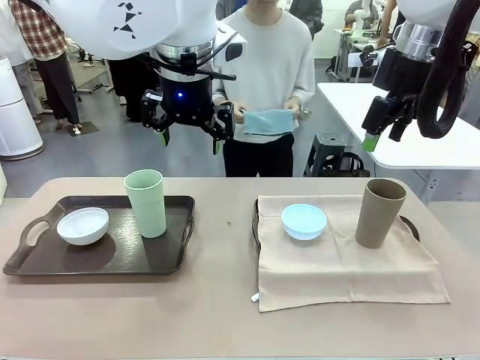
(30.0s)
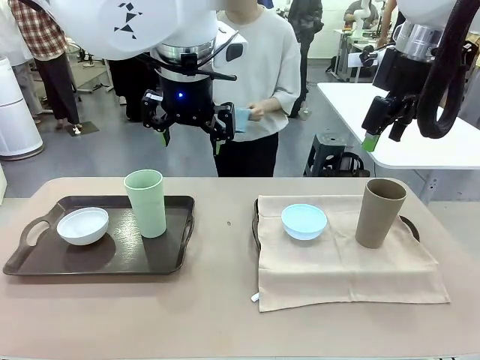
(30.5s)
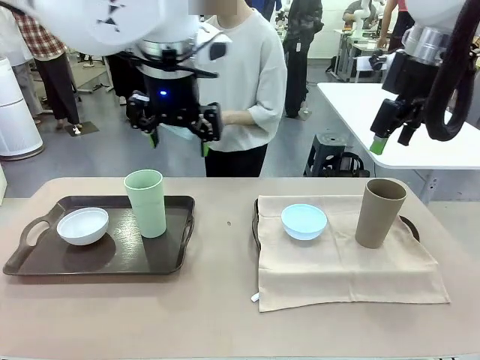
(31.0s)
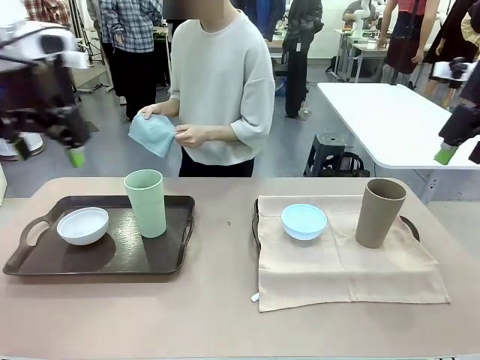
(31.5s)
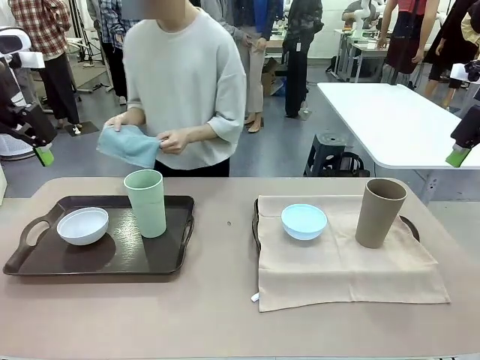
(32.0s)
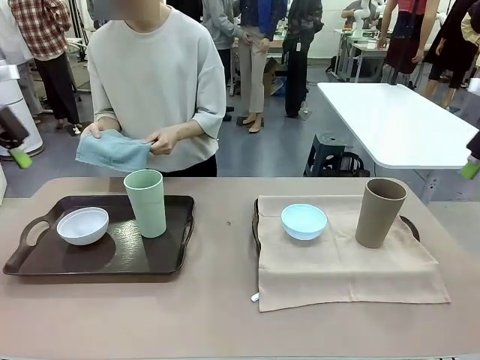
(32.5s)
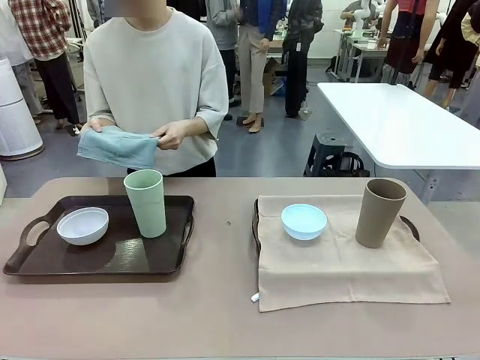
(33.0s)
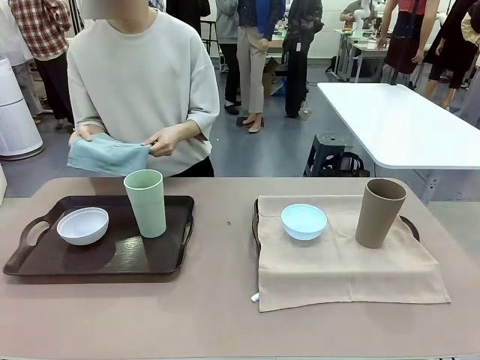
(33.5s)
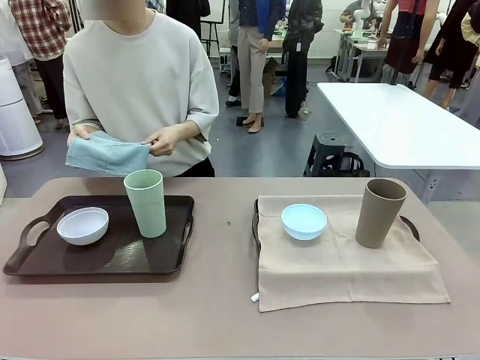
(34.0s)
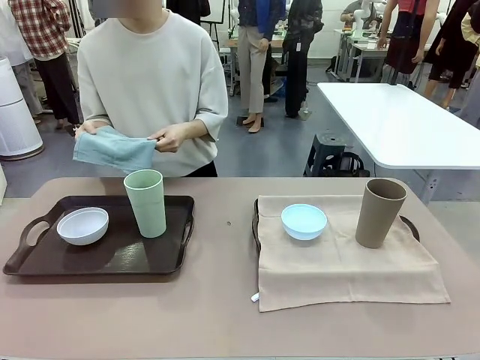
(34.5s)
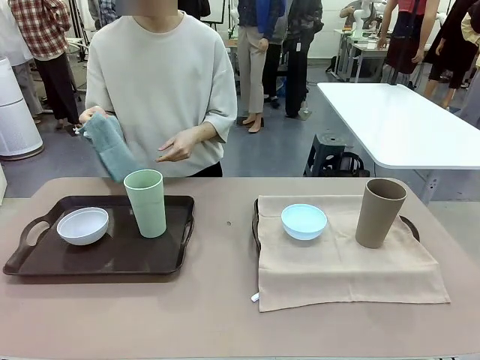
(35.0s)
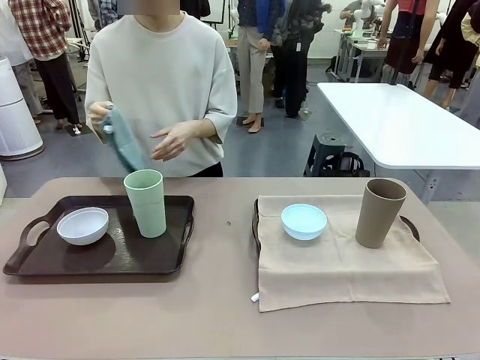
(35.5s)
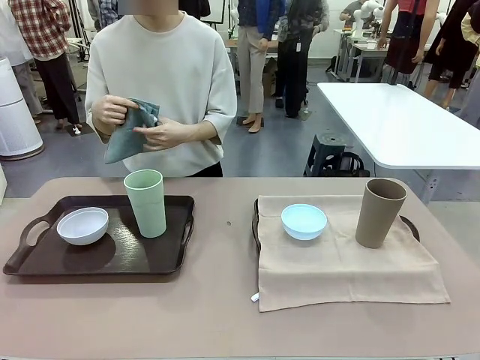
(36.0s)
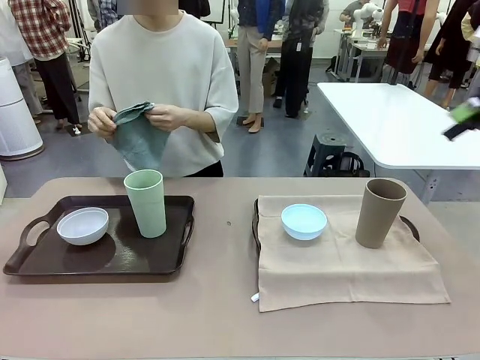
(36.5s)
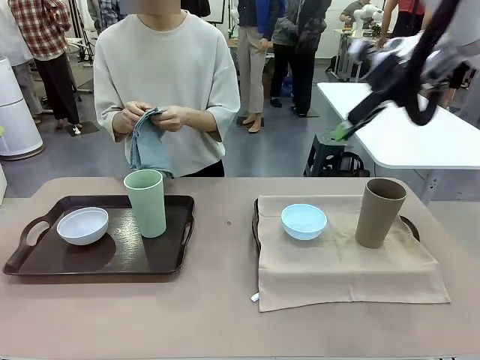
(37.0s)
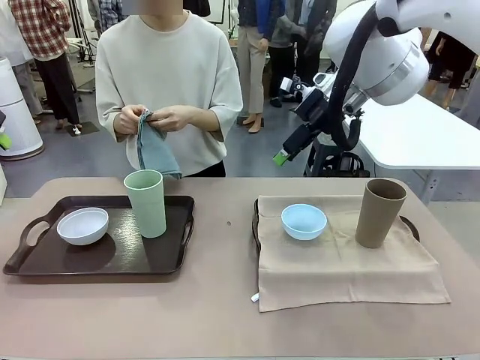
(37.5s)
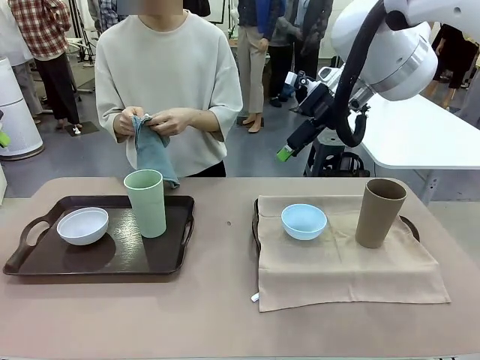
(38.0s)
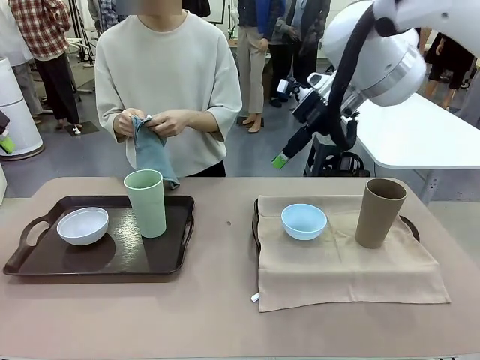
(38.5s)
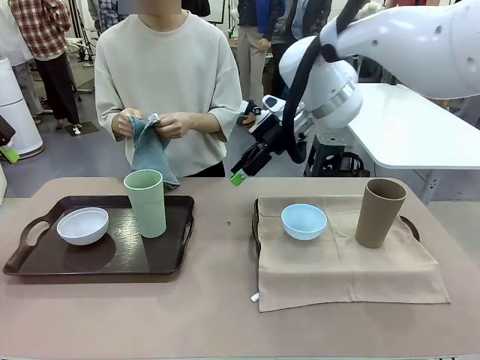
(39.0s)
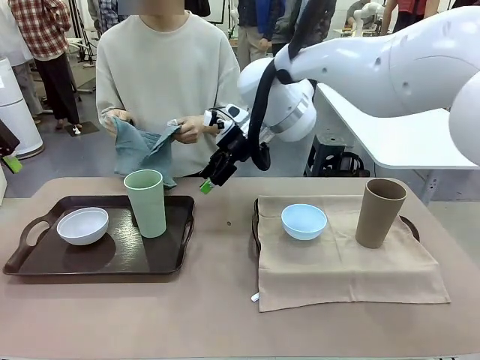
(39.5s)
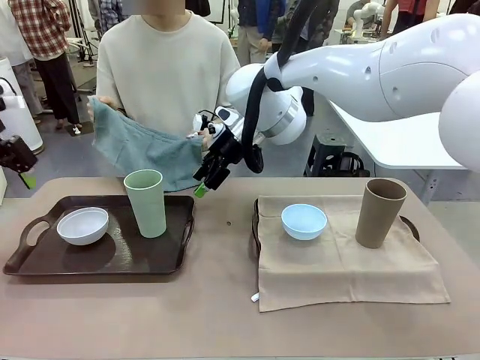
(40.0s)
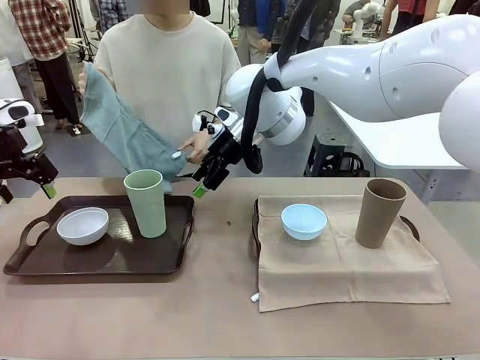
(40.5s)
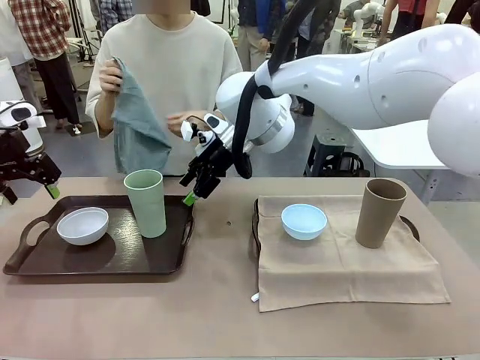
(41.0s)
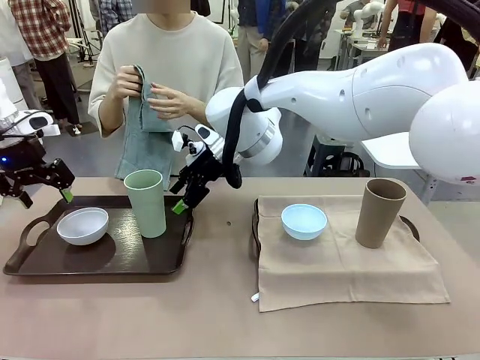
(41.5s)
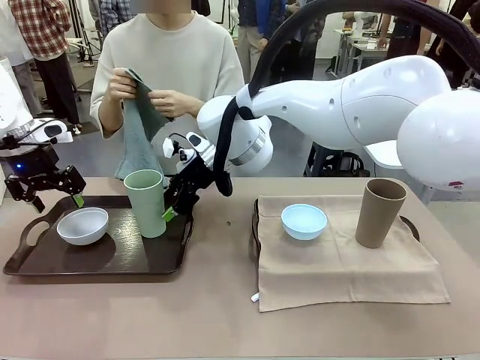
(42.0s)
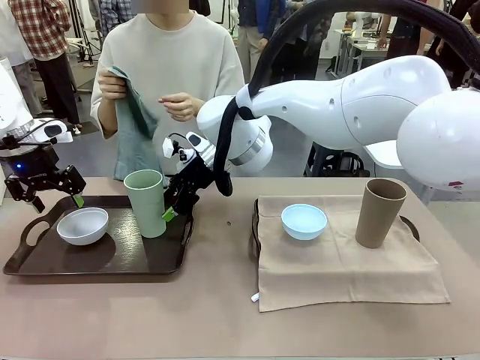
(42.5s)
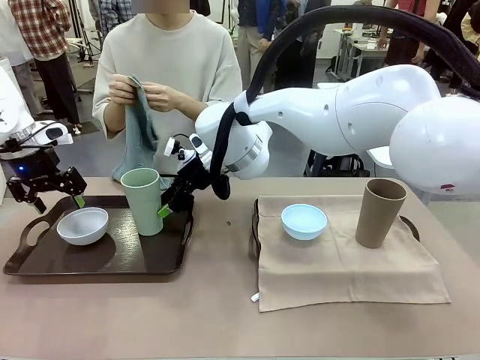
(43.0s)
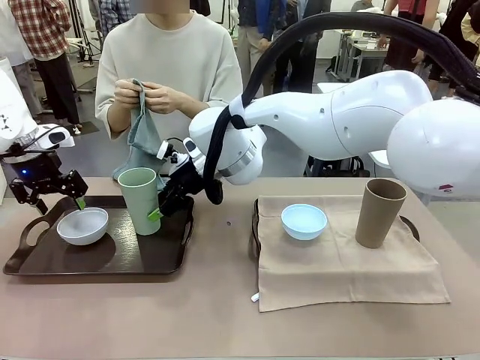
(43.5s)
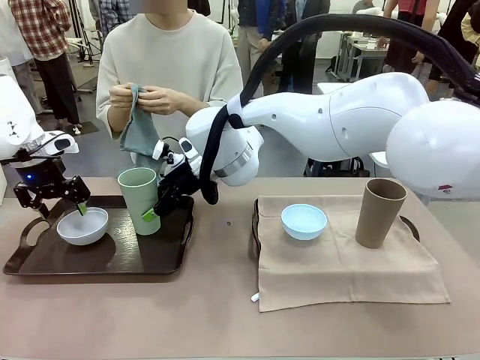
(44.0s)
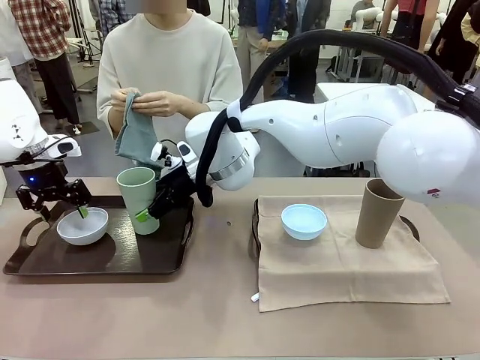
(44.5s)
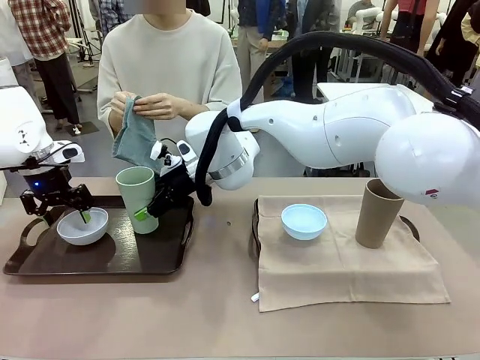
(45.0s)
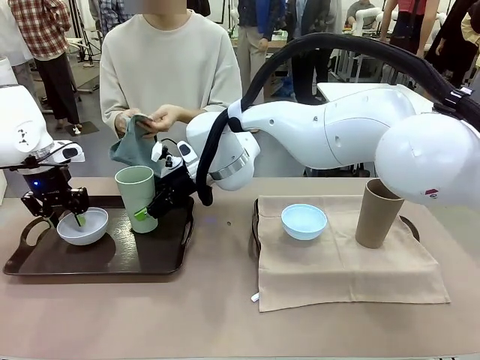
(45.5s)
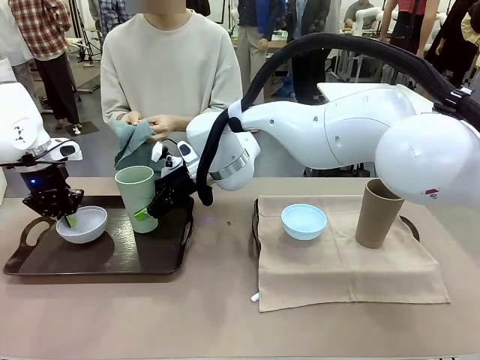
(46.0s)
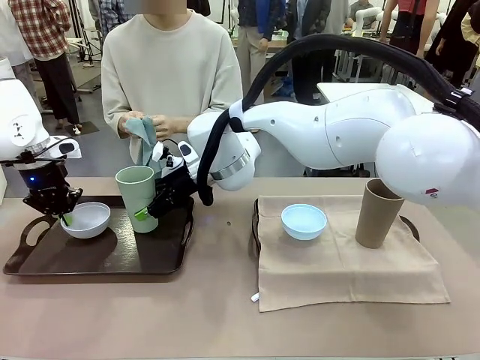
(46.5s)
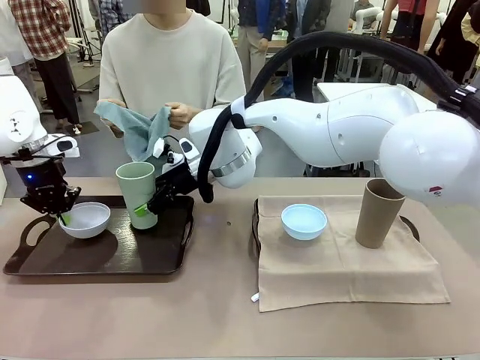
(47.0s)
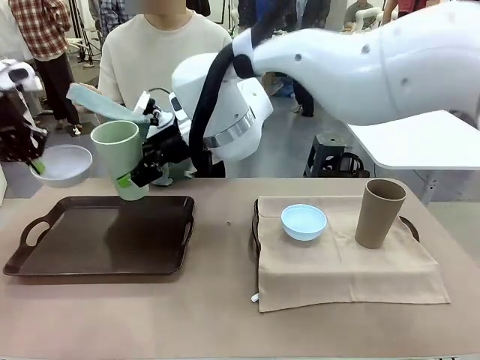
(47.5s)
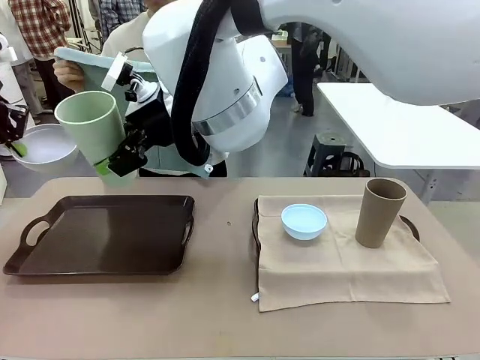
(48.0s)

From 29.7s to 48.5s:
Robot: Pick up the Picnic Bowl and Reusable plastic cup from the Handle tray in front of the human's position and hold them in the air.
Person: When the robot lifts the bowl and the cup, the human unfolds the napkin and lays the napkin flat on the tray.

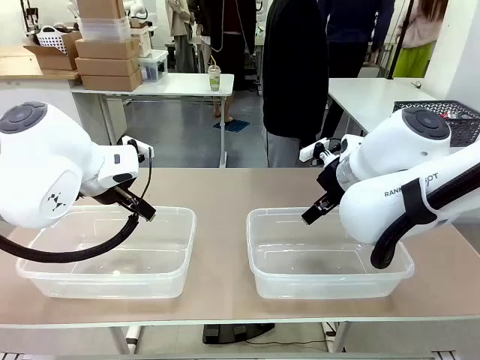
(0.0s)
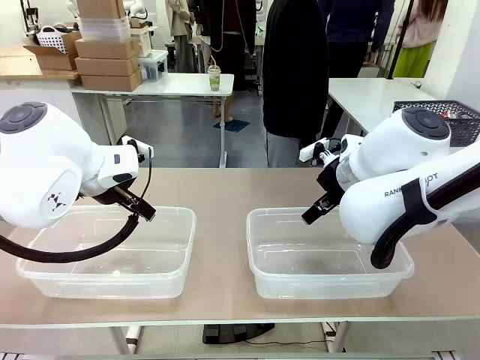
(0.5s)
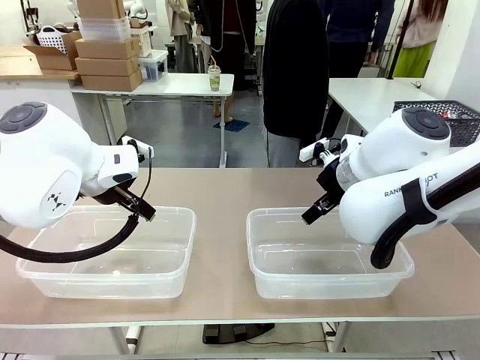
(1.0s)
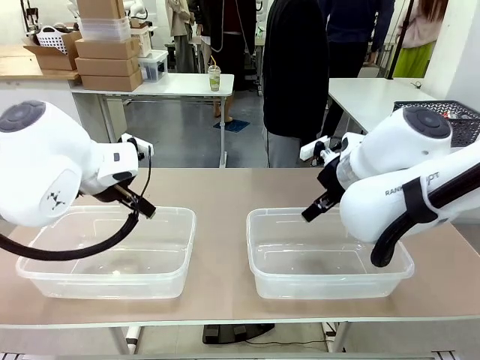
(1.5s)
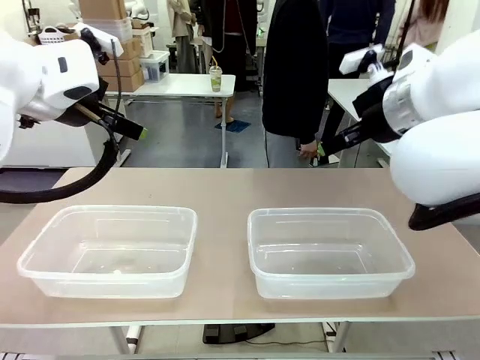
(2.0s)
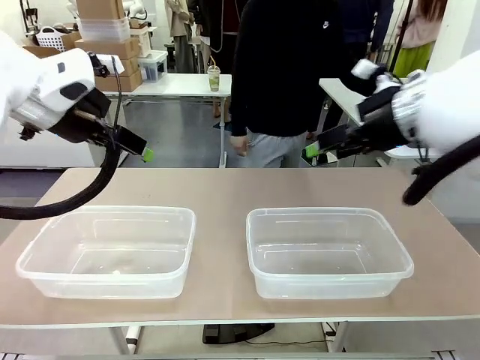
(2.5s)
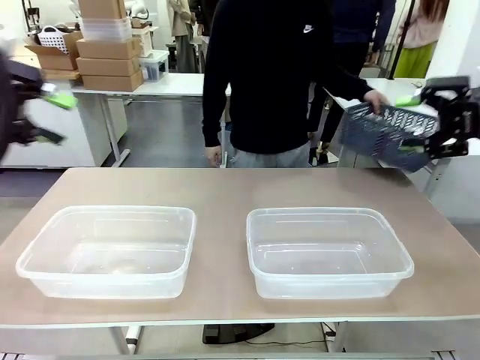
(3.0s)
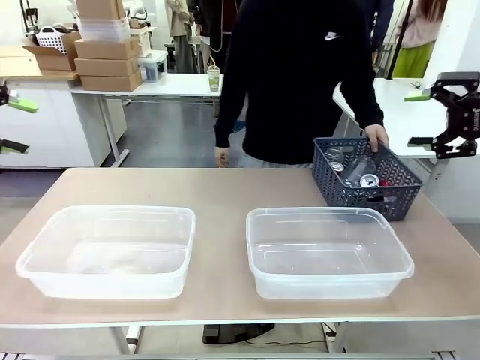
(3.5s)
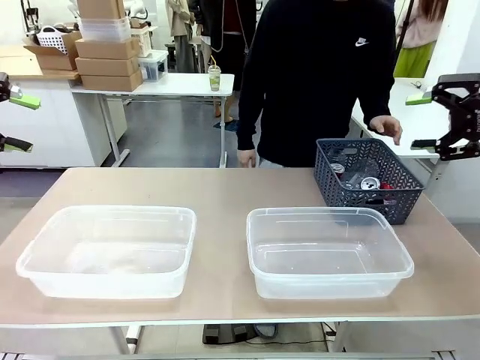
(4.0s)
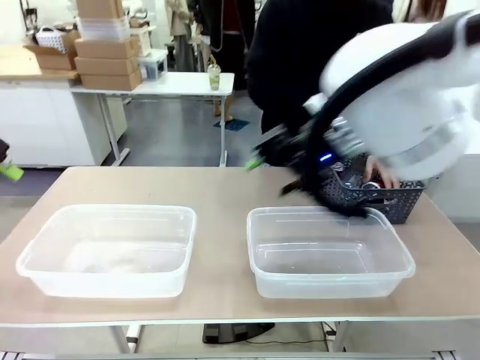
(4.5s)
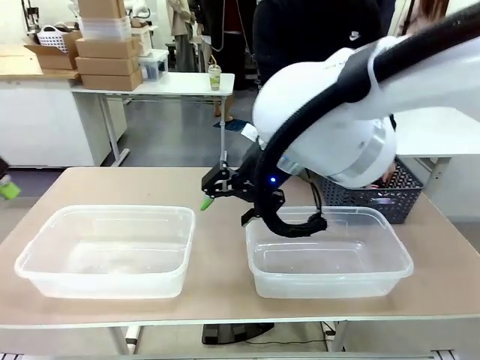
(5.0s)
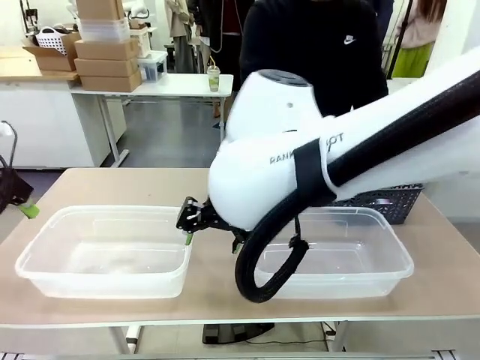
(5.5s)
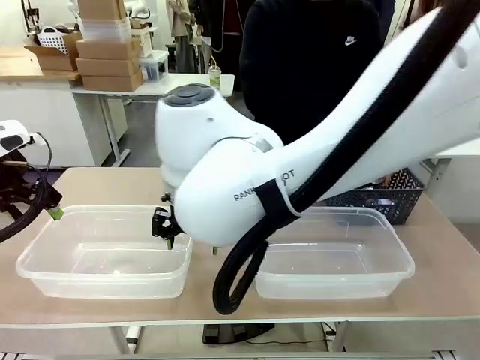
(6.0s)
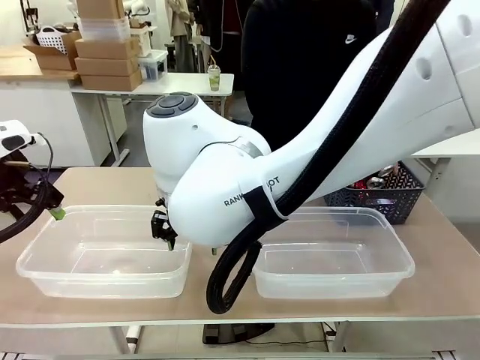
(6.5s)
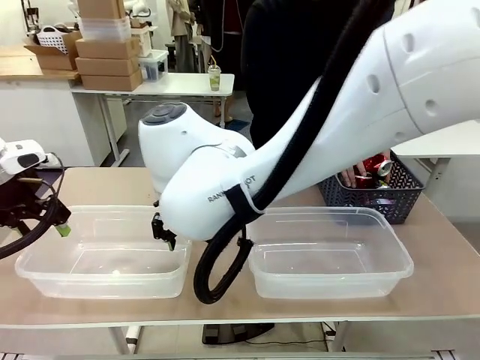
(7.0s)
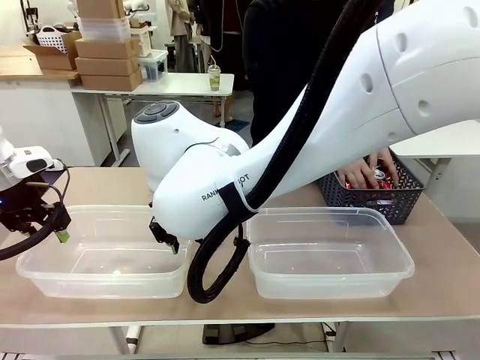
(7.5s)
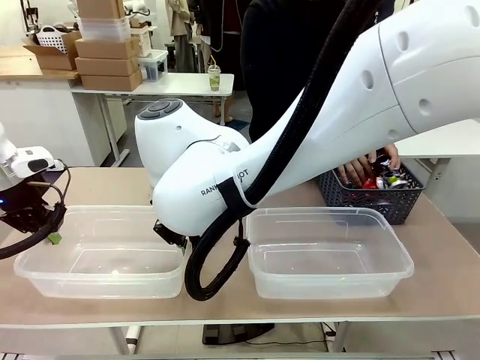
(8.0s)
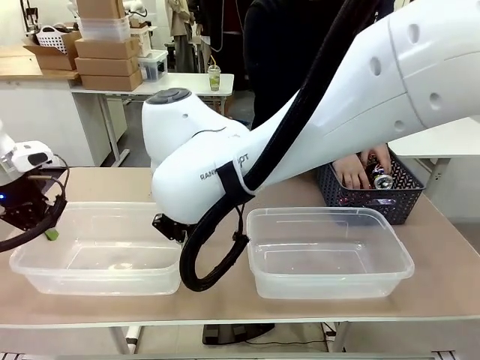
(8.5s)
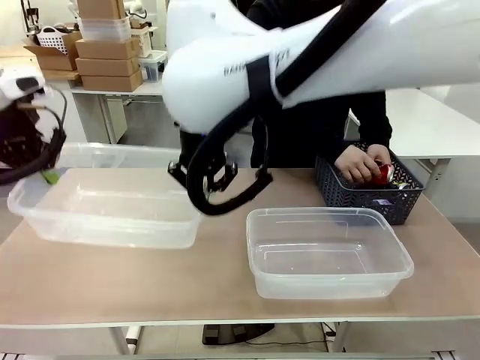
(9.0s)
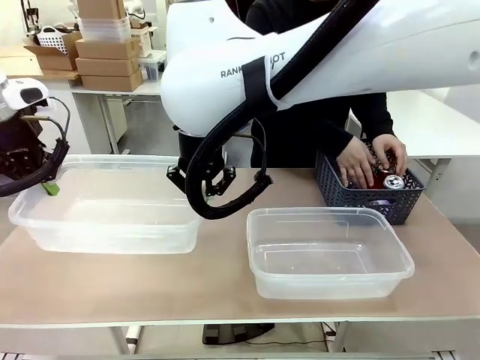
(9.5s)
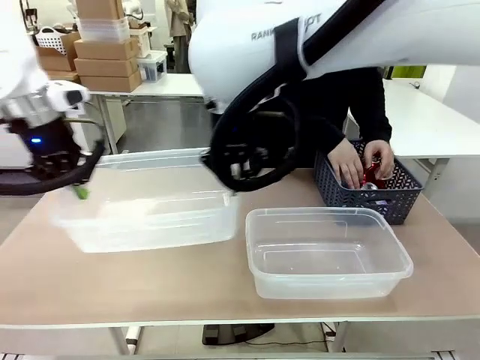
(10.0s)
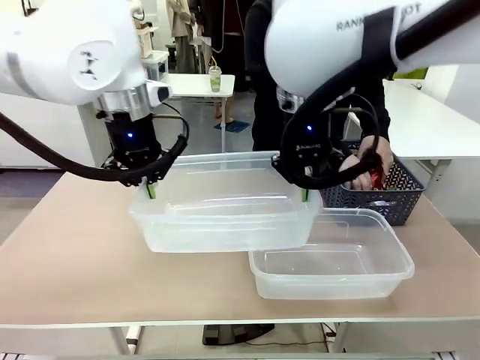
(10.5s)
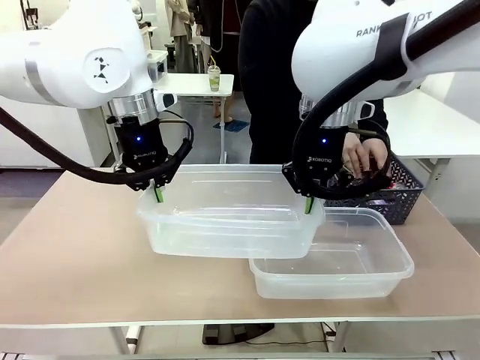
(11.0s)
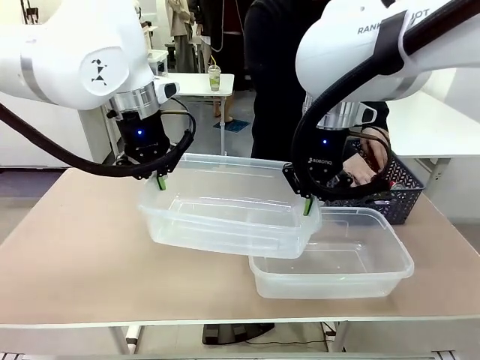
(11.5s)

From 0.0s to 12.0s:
Robot: Pick up the Organizing box on the left side of the table and lift it.
Person: Pick up the storage basket and place it on the left side of the robot table. Pick up can-shaped waste one by one and place it into the organizing box lifted by the robot.
